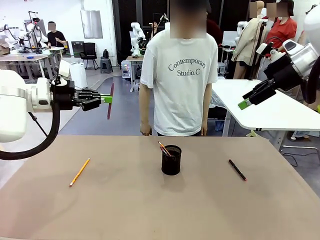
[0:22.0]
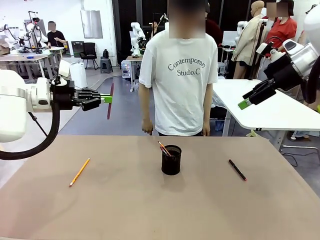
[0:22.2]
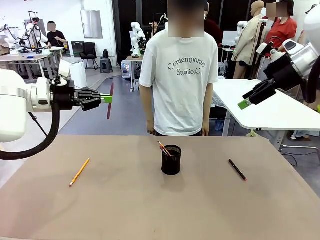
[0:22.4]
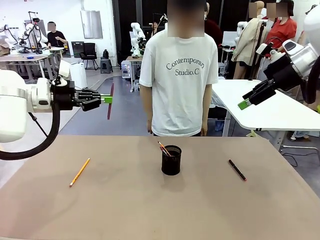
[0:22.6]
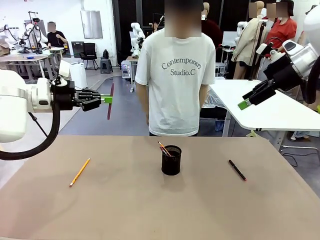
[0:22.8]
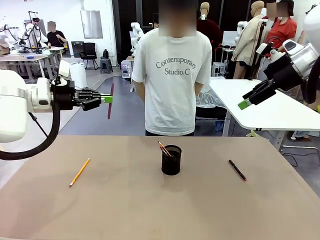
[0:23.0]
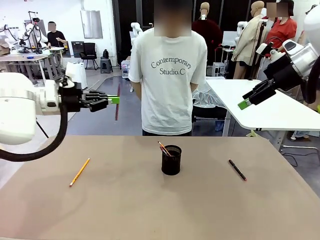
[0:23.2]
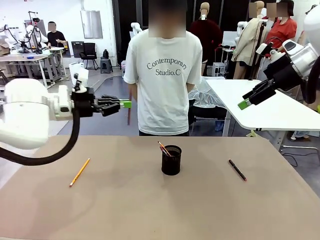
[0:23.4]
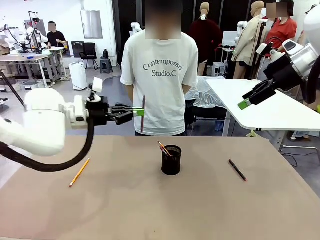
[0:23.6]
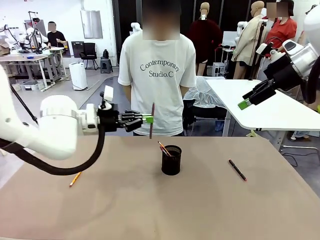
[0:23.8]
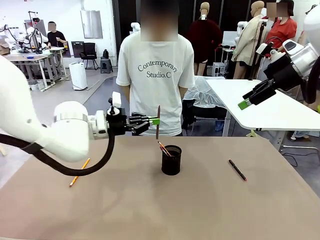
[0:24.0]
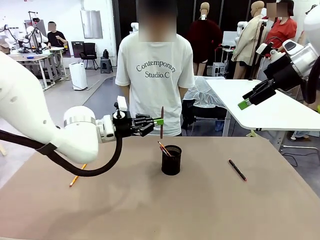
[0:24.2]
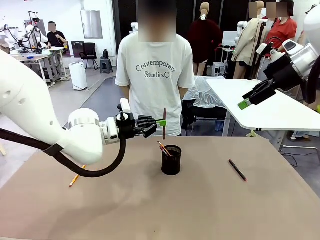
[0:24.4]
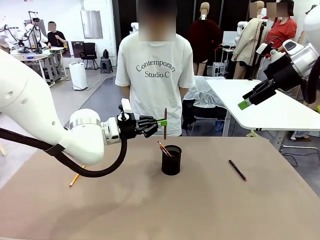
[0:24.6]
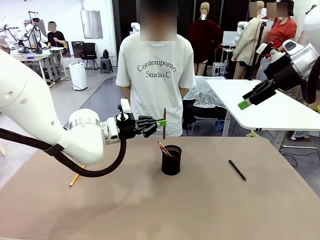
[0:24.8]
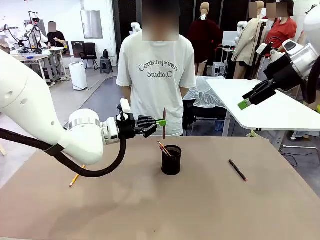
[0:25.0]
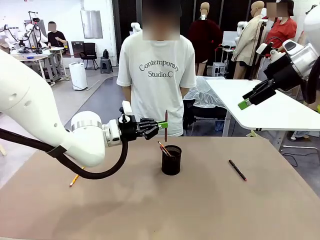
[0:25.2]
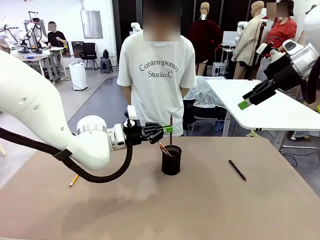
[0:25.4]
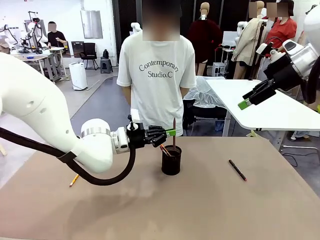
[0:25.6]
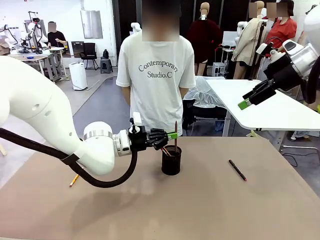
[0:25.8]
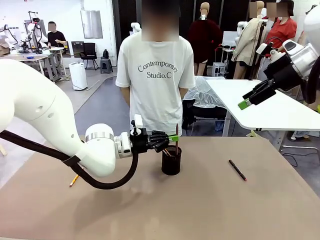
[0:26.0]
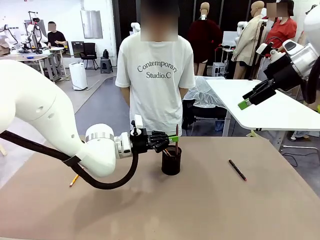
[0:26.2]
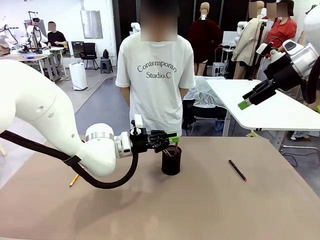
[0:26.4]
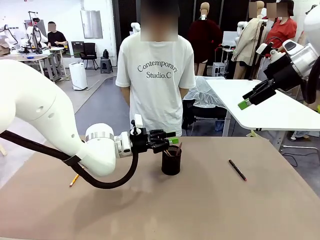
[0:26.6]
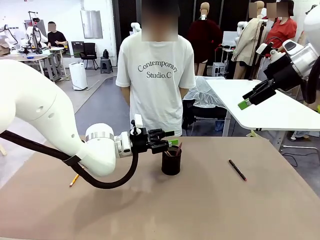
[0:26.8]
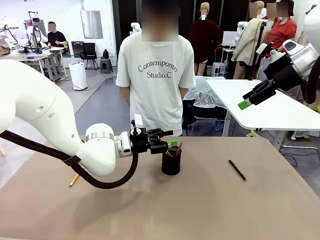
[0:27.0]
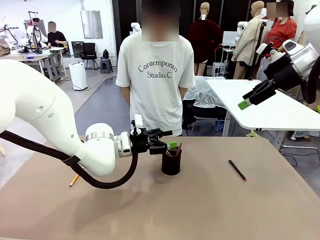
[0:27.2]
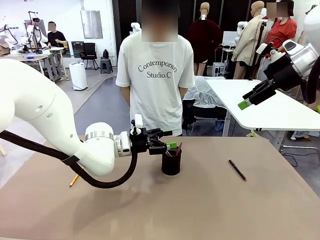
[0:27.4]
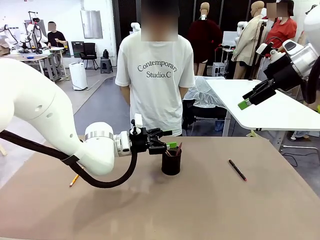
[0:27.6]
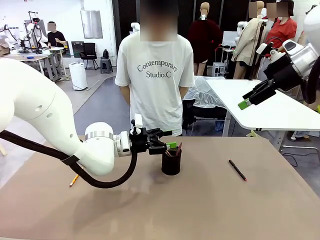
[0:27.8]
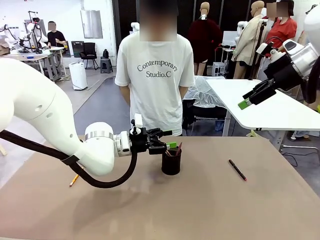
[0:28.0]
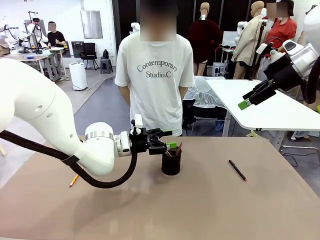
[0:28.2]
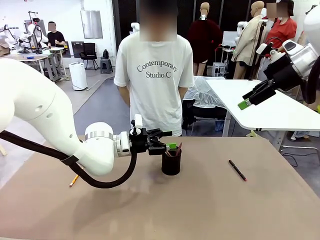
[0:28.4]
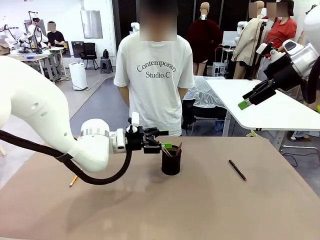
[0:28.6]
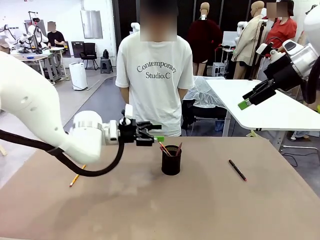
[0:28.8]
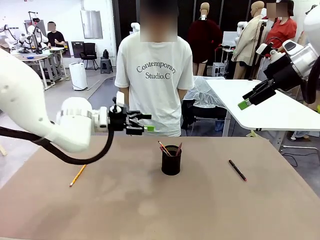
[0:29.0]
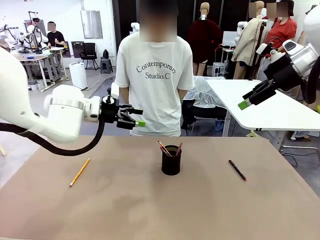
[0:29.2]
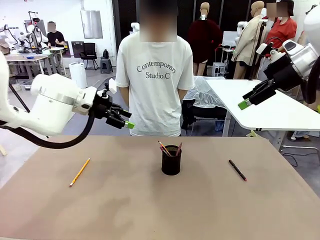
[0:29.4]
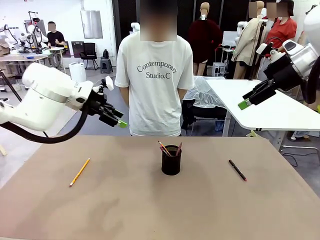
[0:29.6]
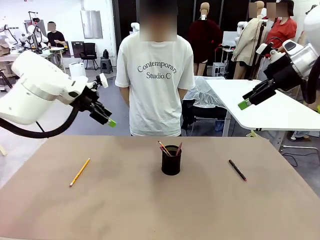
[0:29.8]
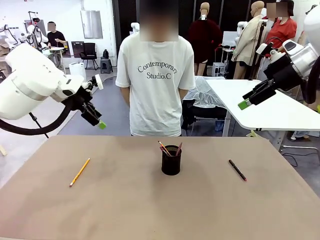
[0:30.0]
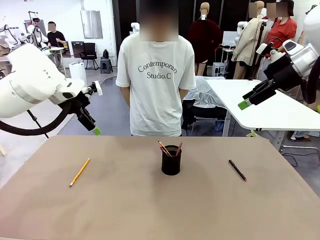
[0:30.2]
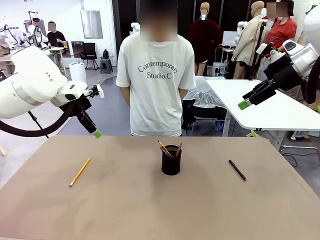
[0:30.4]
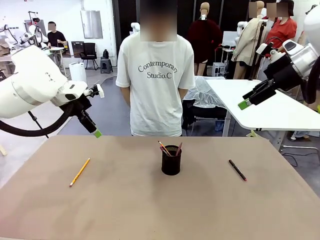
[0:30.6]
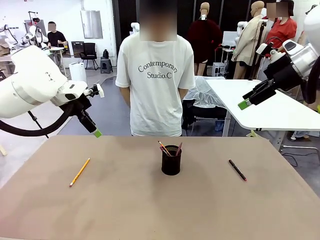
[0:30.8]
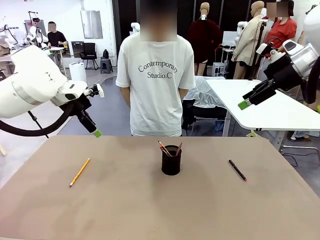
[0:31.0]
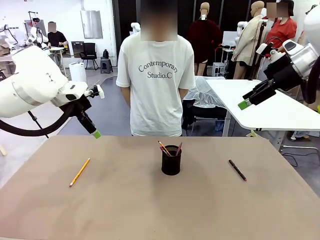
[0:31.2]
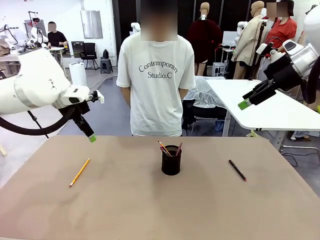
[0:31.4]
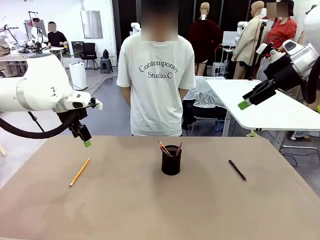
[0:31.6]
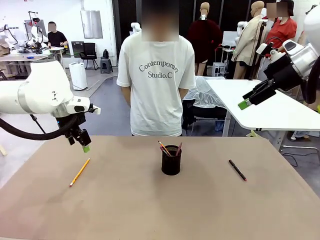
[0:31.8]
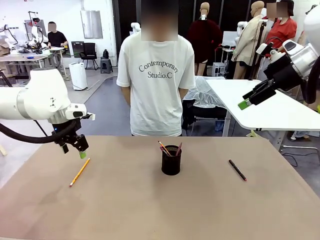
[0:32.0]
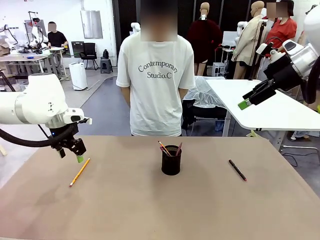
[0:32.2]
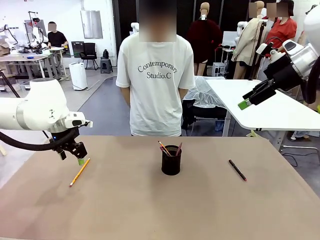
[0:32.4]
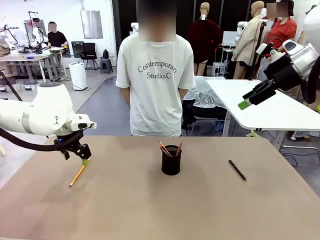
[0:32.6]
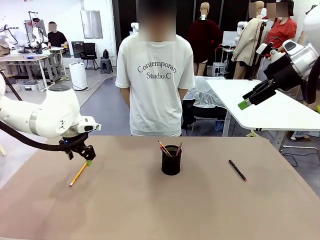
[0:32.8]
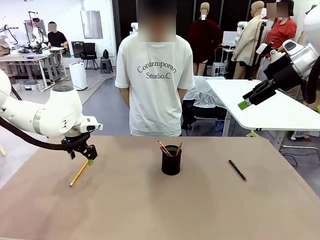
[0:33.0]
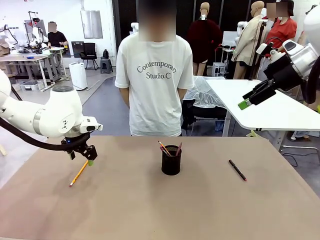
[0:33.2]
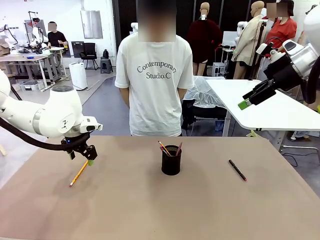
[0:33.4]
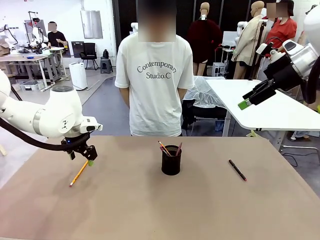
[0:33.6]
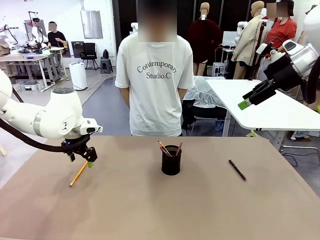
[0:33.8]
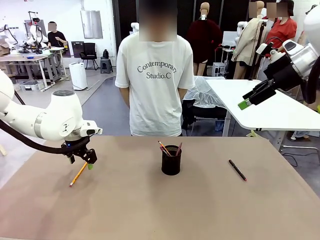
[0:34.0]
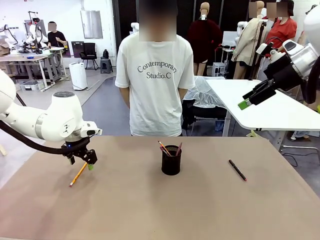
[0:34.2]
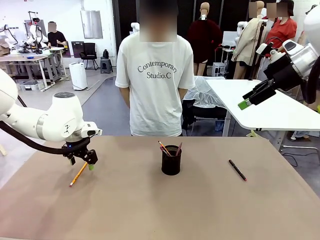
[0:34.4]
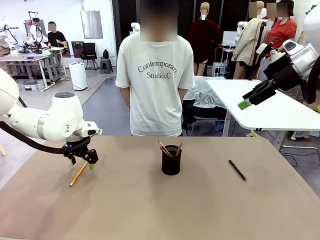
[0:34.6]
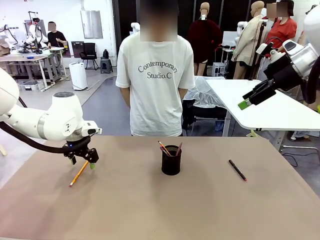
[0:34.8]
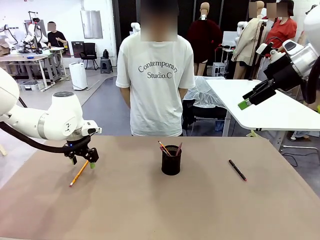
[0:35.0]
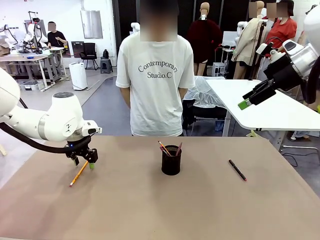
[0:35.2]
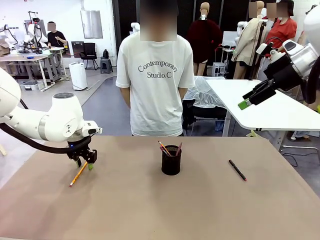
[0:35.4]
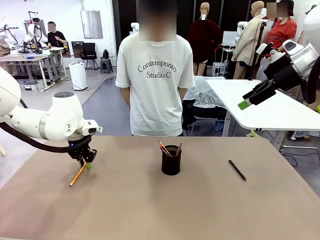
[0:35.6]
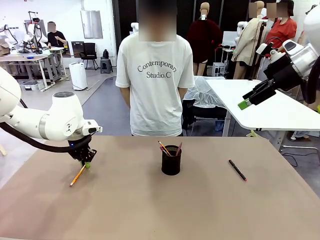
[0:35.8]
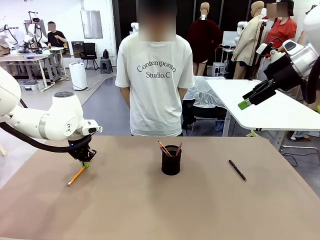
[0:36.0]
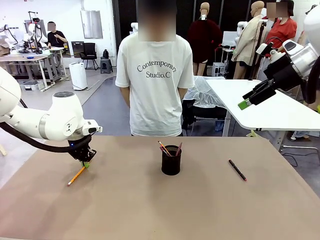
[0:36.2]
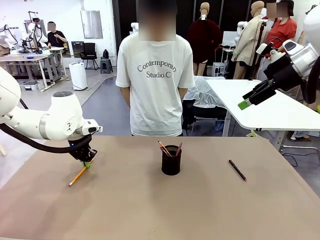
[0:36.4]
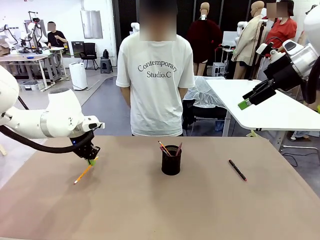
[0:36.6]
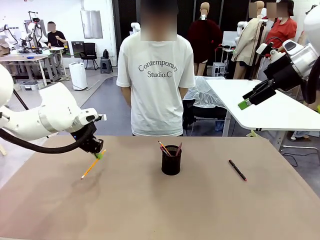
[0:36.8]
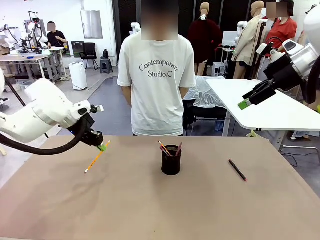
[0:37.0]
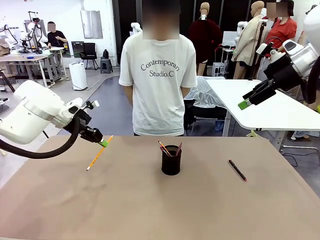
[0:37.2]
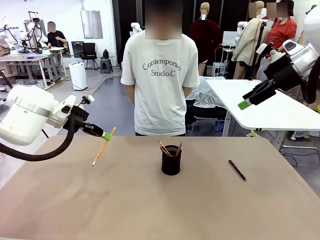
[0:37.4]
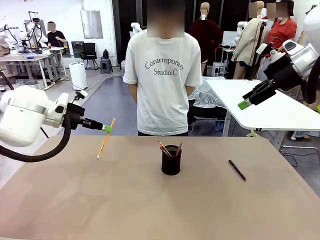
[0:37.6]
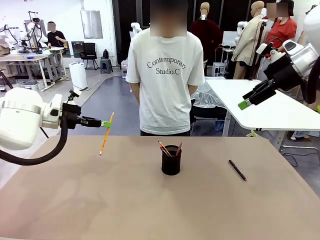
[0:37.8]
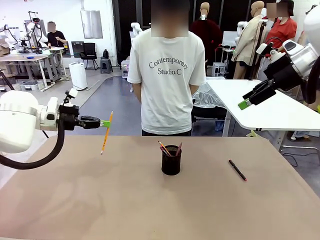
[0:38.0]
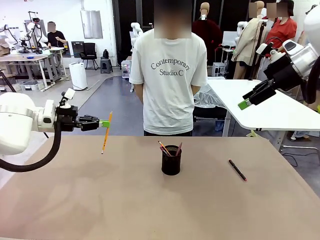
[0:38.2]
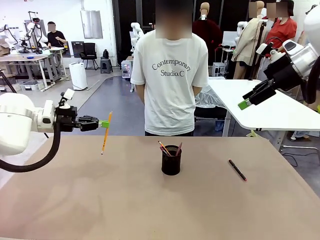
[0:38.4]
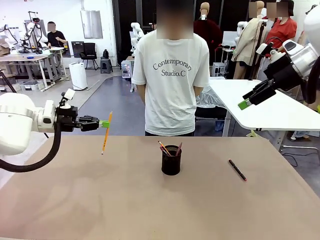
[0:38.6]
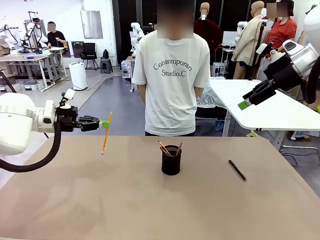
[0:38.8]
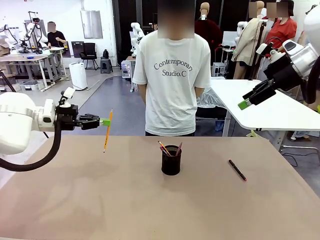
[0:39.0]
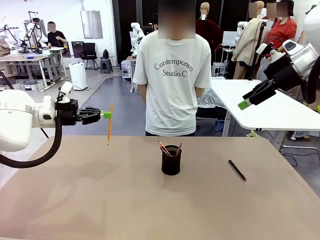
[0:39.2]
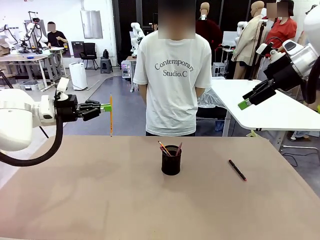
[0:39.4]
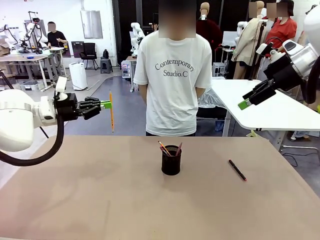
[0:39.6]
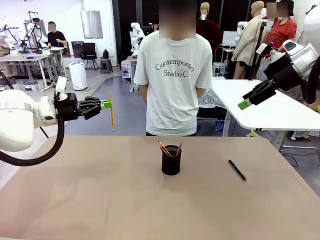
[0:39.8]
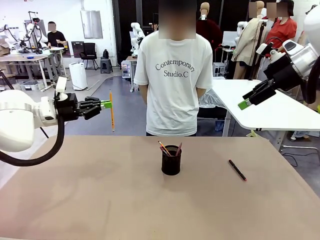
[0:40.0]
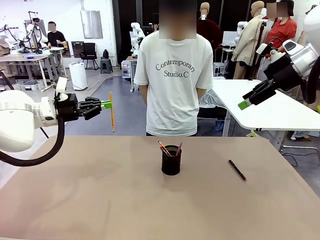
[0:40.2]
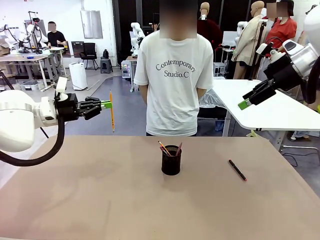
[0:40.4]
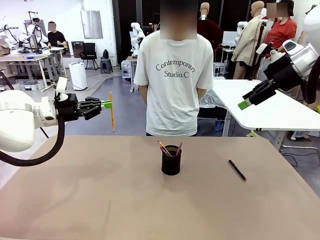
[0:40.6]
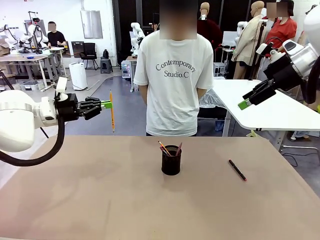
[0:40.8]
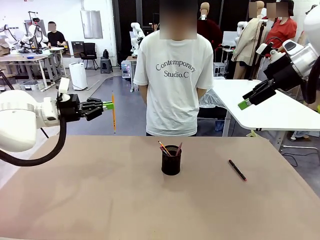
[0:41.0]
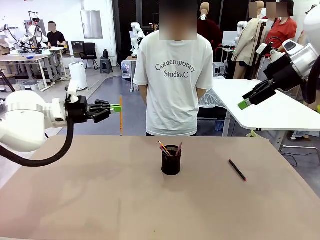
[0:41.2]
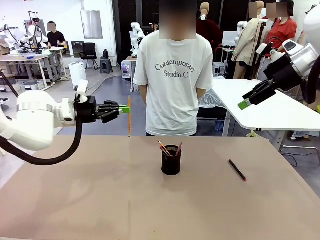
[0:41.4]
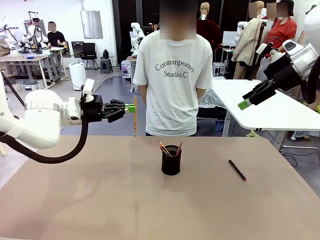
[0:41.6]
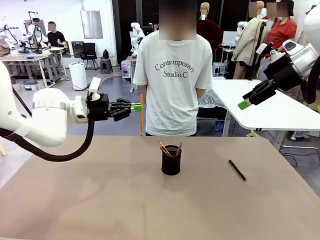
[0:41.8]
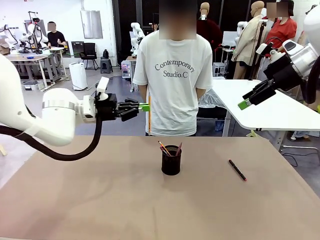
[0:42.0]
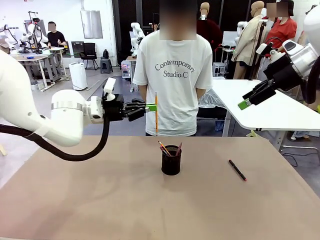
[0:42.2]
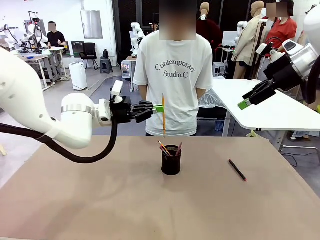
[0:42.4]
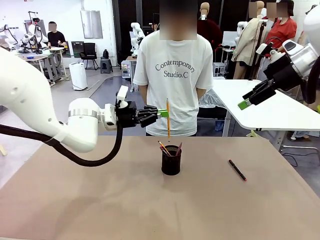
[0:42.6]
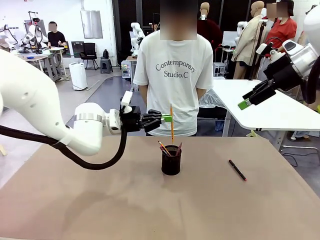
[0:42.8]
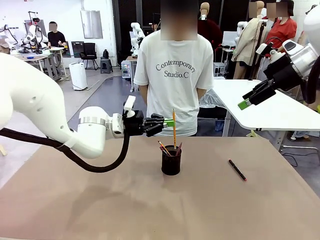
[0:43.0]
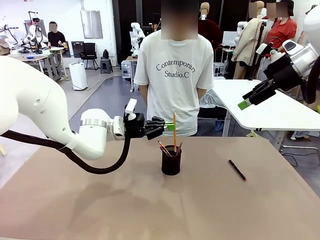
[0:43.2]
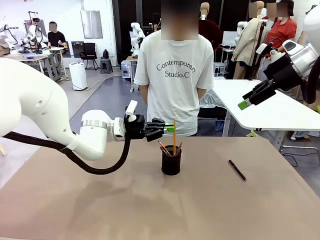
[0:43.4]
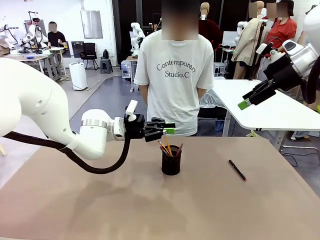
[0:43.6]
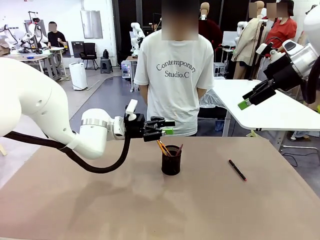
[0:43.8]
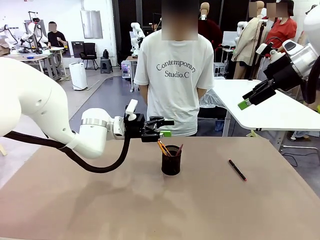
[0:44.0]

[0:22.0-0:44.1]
Task: Place the pens into the pen holder.
Robot: Pick up a writing instrument from the table and place it into the Pen holder.
